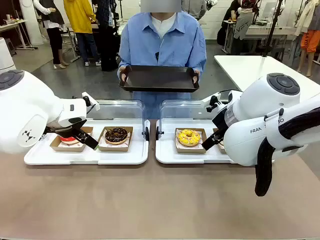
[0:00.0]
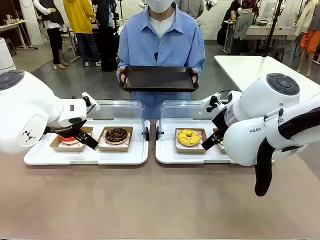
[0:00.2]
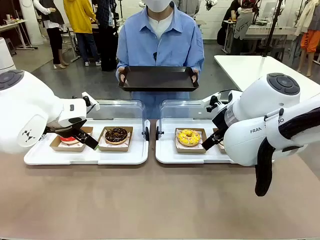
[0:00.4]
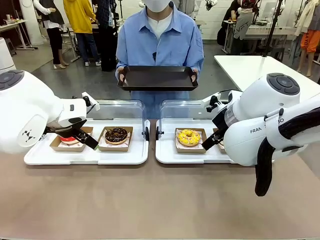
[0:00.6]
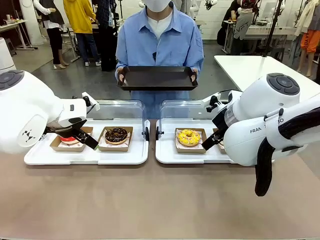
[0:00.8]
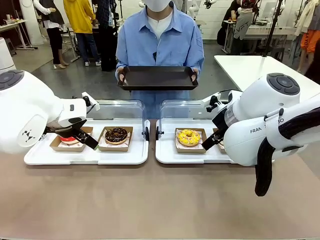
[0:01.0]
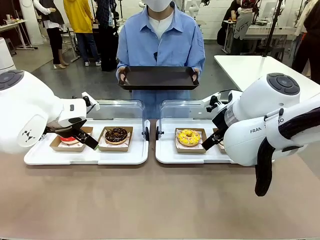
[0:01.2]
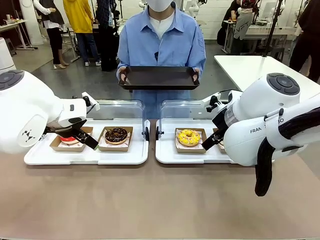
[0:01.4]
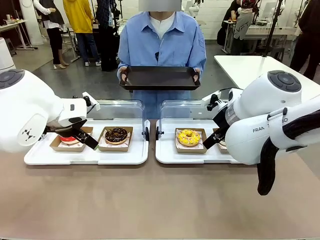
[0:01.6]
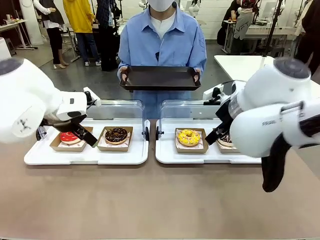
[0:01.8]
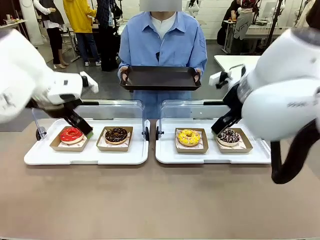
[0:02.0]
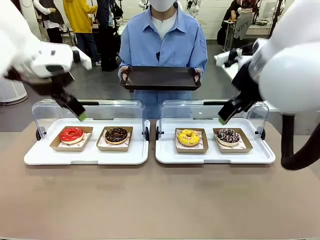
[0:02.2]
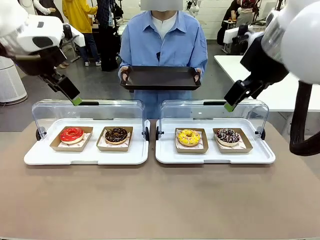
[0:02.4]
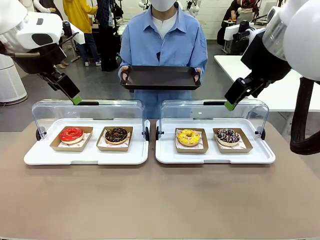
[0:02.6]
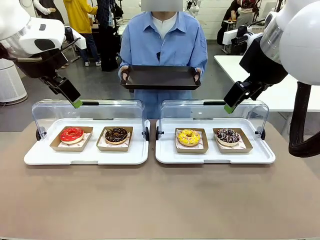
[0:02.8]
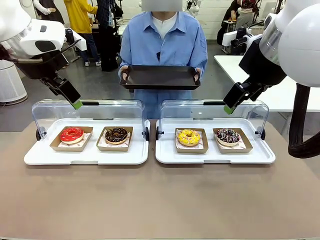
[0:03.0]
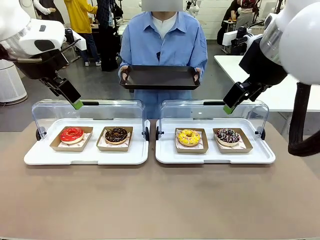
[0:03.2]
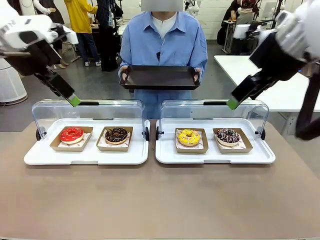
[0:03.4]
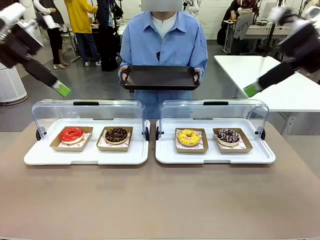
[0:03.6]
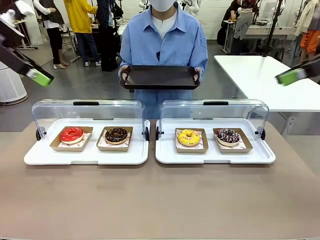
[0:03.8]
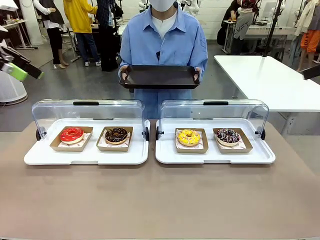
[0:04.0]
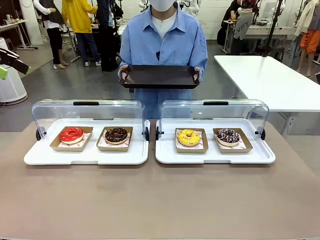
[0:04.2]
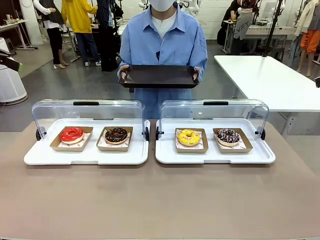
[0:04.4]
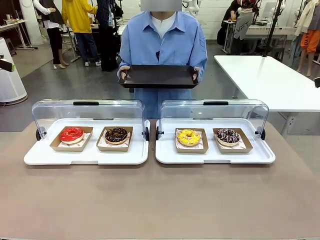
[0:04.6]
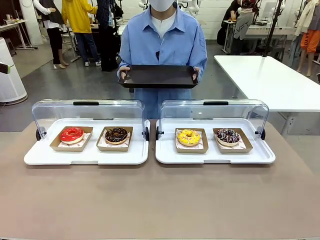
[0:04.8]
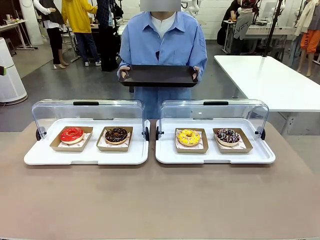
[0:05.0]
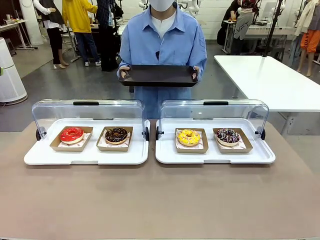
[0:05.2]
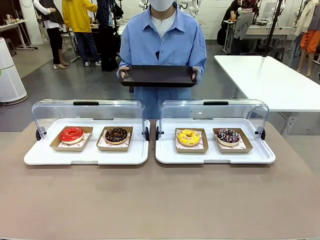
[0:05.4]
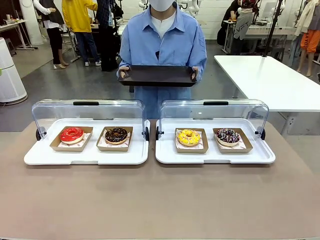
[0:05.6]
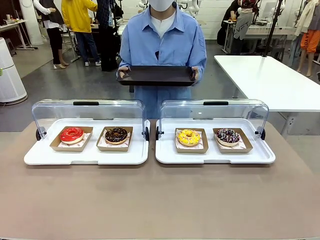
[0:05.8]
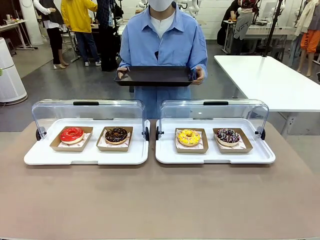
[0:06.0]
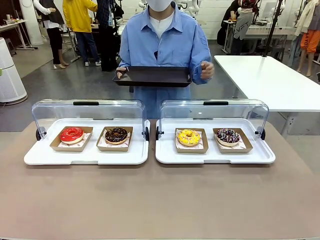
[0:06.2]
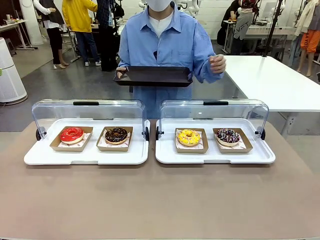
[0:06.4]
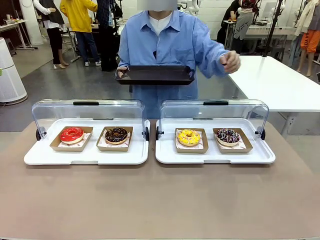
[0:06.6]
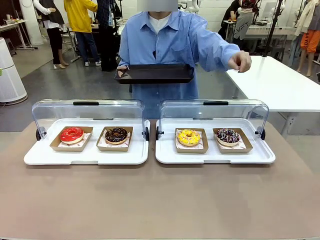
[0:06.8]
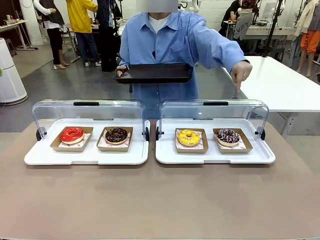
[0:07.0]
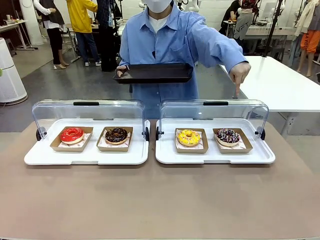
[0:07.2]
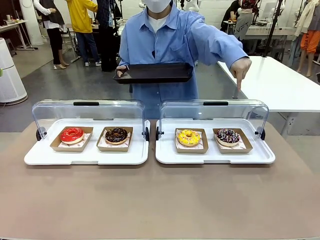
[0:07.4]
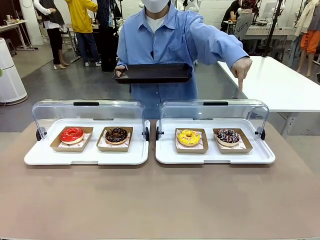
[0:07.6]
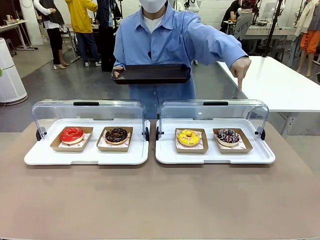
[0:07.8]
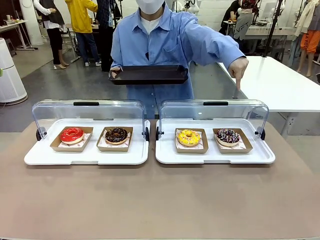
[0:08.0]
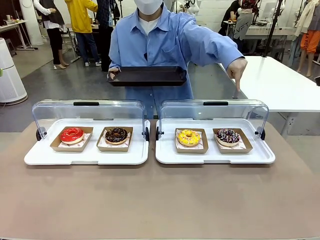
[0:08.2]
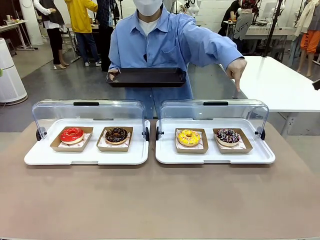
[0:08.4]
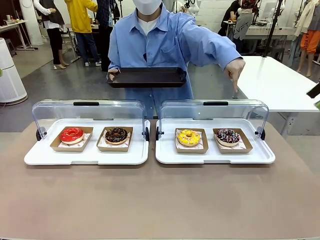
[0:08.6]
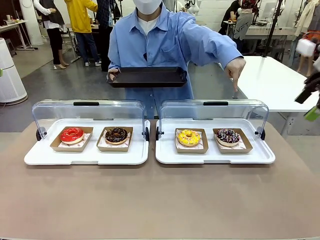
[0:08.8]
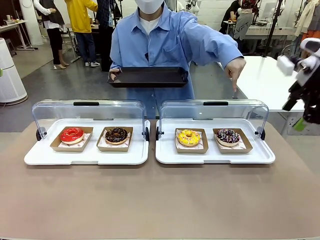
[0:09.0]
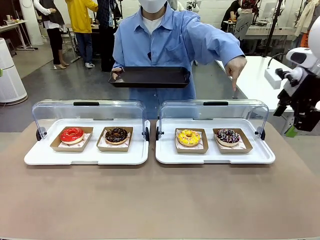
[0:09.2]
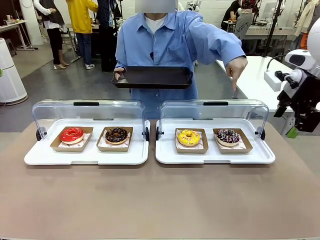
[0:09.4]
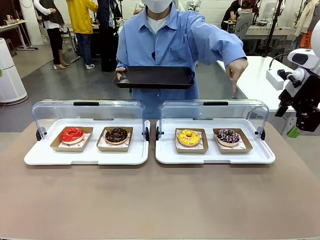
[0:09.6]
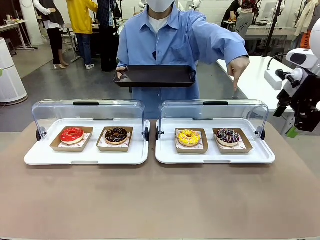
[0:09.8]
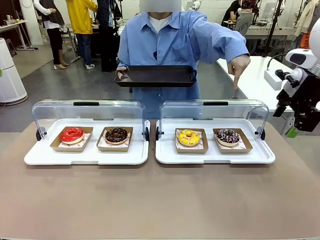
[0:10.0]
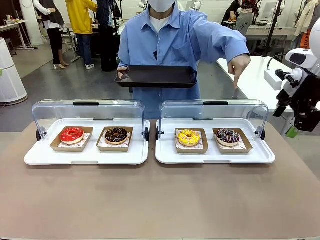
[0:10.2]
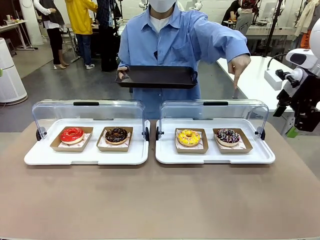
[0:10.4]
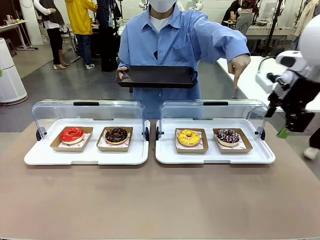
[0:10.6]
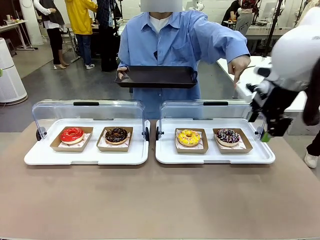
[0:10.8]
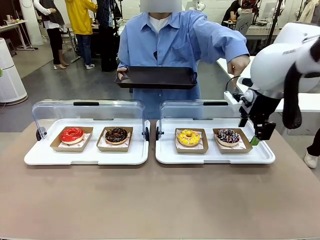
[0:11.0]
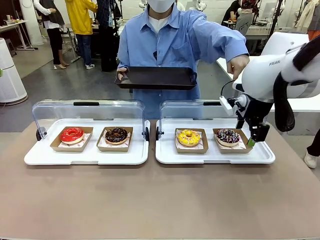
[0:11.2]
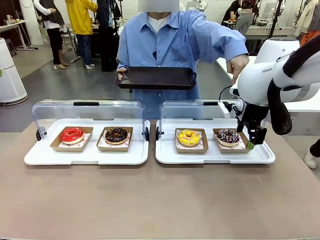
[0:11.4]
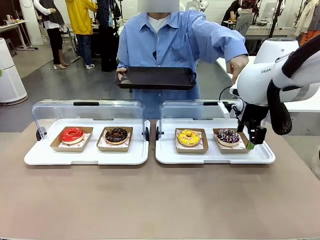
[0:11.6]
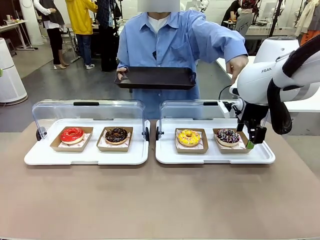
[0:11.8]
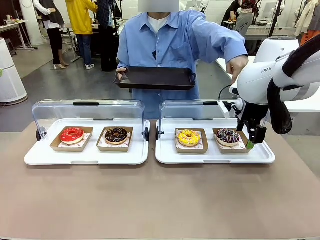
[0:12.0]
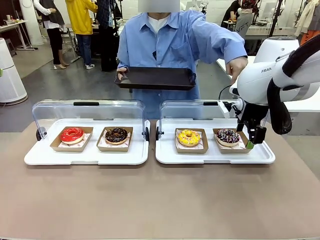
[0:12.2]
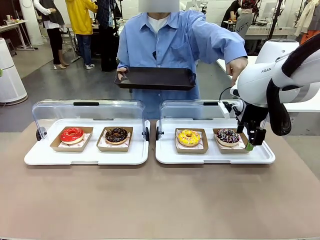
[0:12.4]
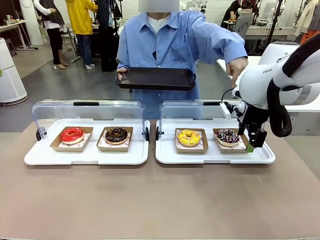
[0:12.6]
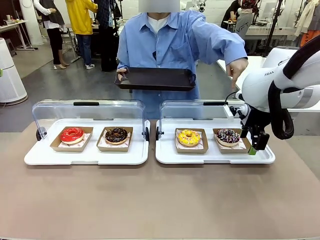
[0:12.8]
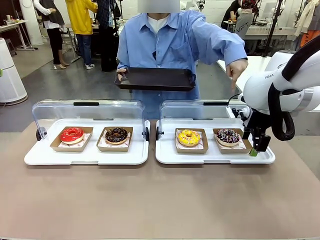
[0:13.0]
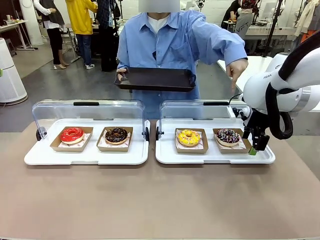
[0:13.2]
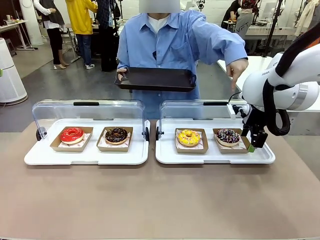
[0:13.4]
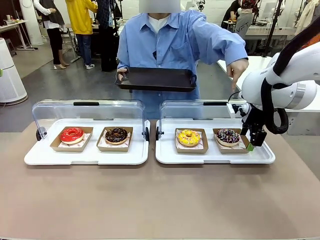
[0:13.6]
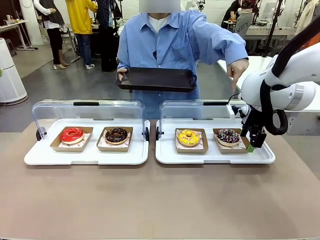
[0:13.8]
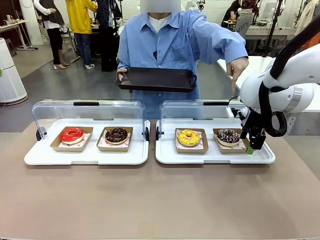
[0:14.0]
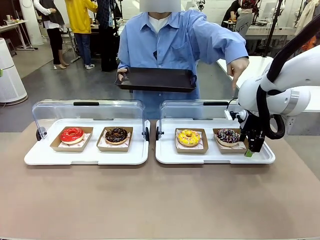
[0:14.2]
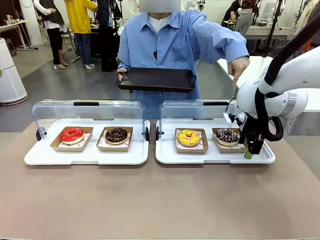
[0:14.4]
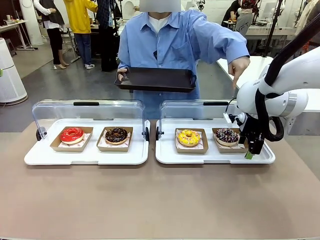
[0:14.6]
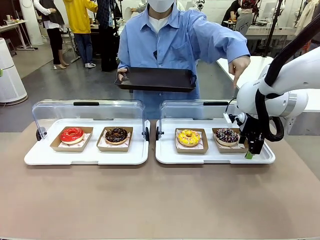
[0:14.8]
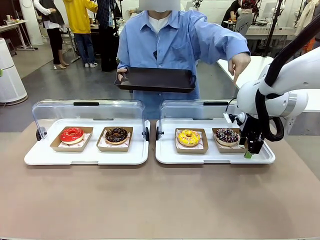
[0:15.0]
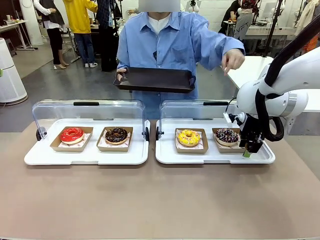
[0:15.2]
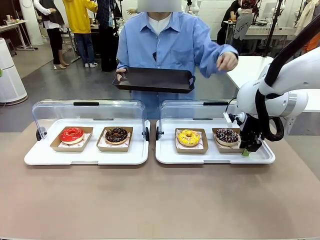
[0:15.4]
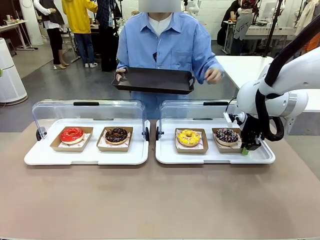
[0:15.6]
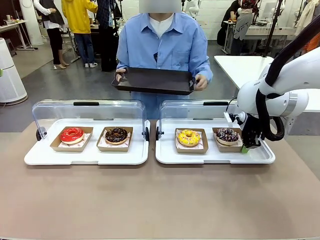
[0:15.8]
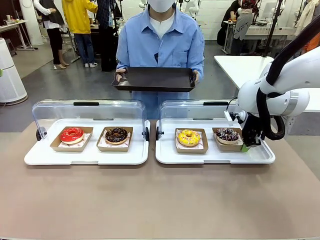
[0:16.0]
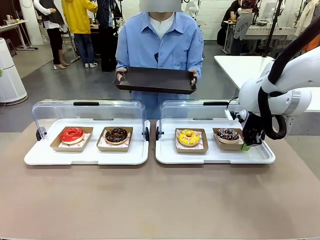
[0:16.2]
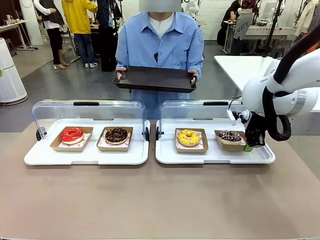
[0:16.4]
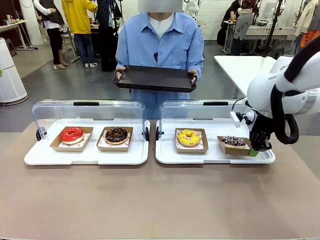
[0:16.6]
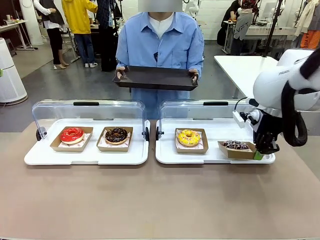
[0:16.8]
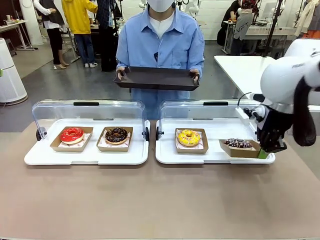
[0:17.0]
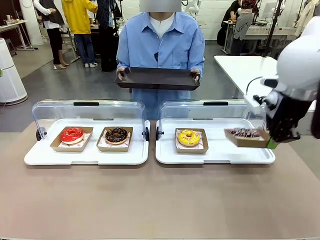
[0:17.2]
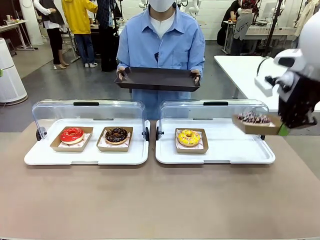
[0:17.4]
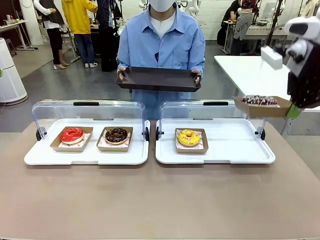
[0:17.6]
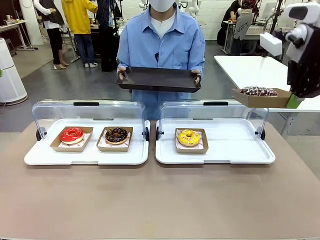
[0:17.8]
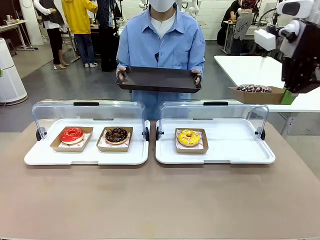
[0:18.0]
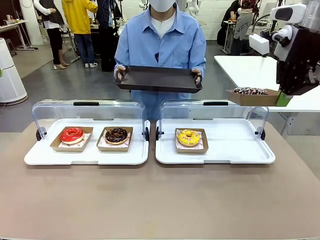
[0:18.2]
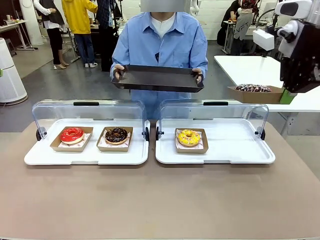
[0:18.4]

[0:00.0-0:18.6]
Task: Provide the desired donut to the person.
Robot: Pick up and lift the Paper togo box containing the Donut pointed at by the person.
Person: Point to one donut. Lift the tray onto the Roll-Top Bakery Case.
